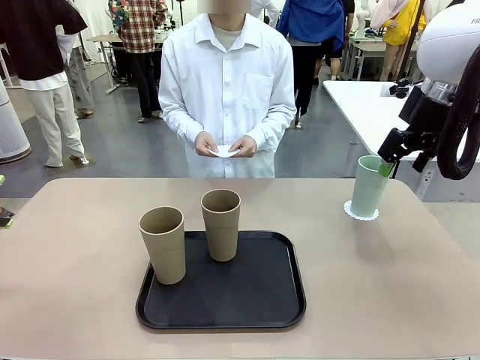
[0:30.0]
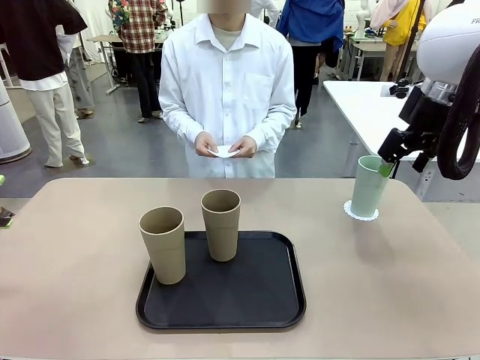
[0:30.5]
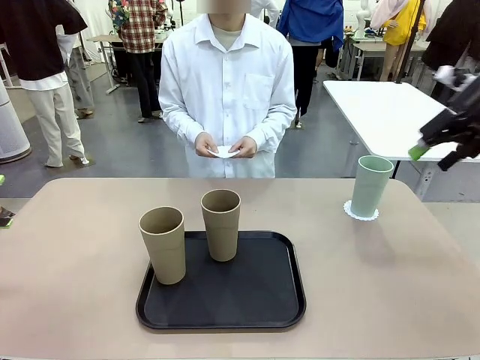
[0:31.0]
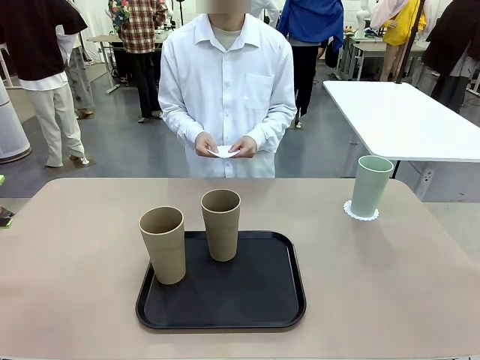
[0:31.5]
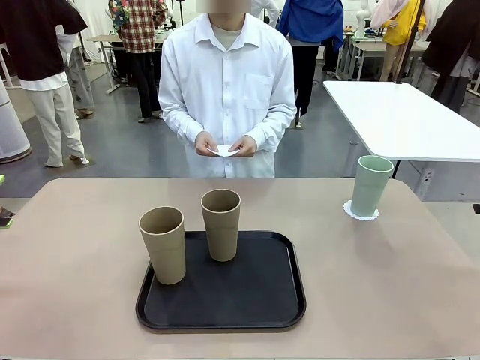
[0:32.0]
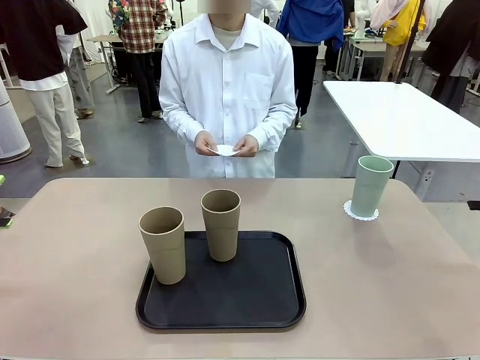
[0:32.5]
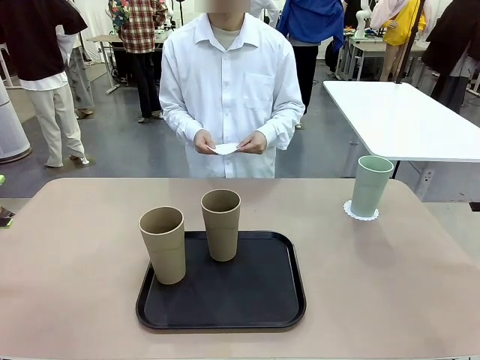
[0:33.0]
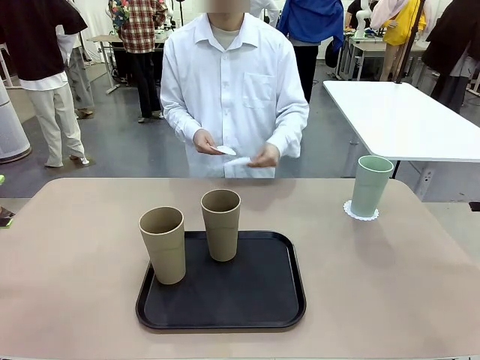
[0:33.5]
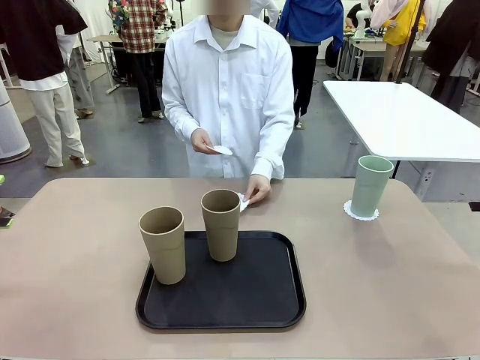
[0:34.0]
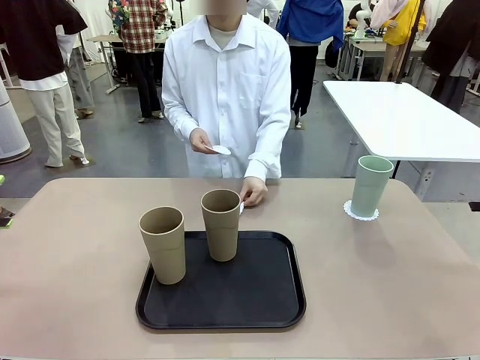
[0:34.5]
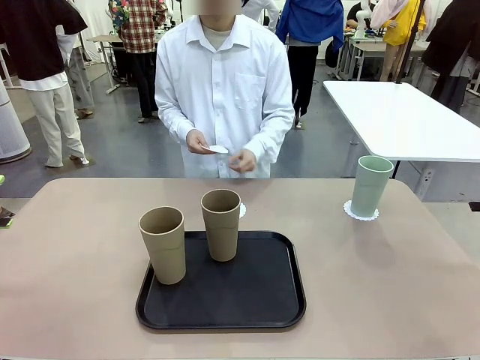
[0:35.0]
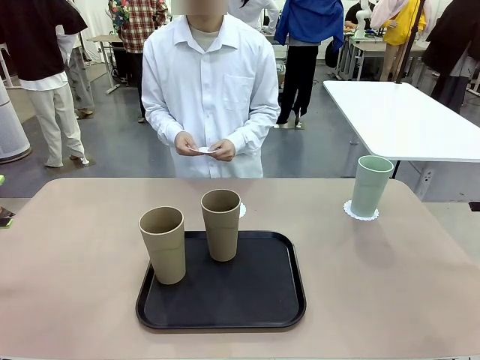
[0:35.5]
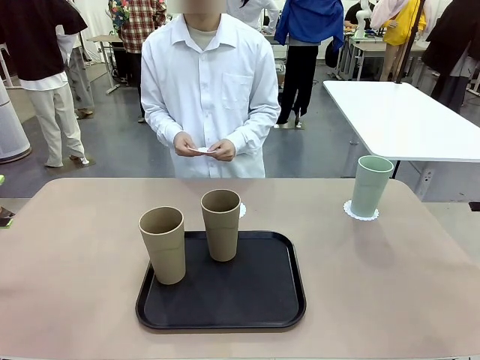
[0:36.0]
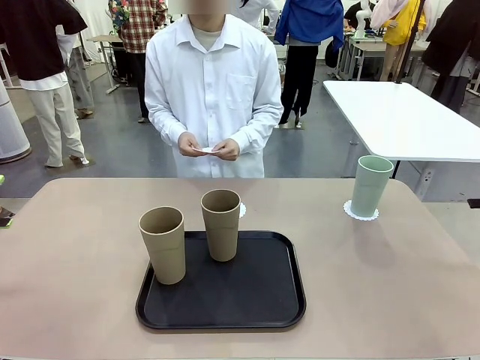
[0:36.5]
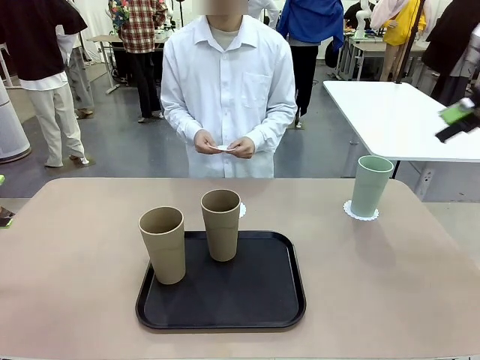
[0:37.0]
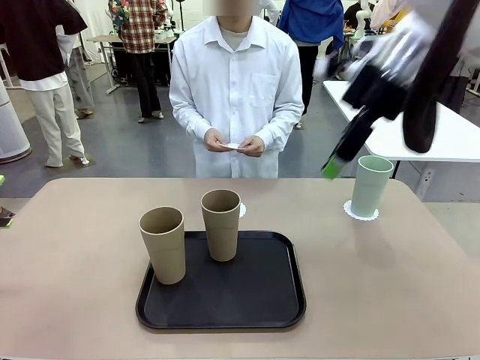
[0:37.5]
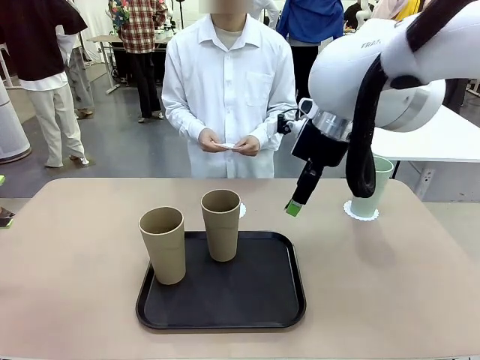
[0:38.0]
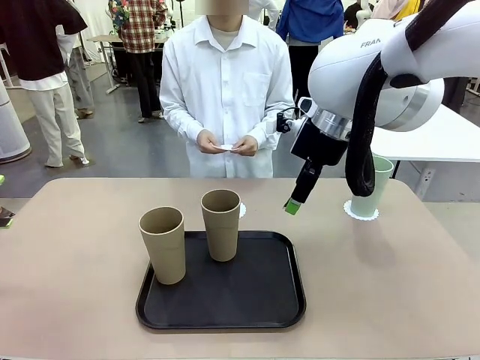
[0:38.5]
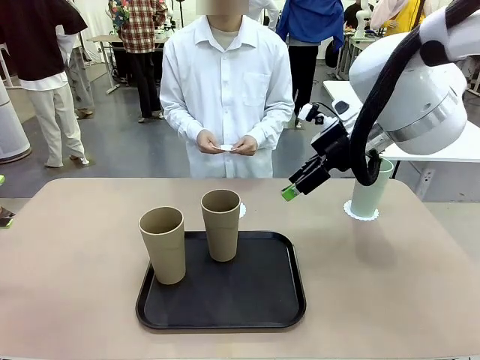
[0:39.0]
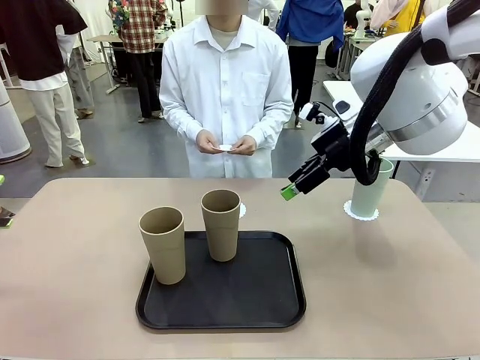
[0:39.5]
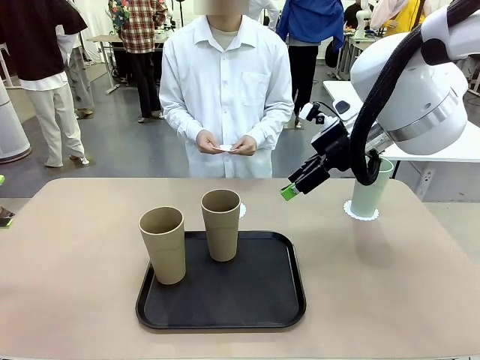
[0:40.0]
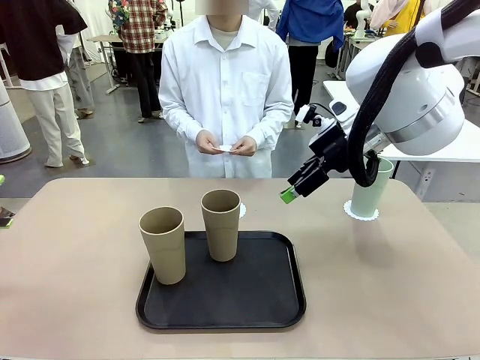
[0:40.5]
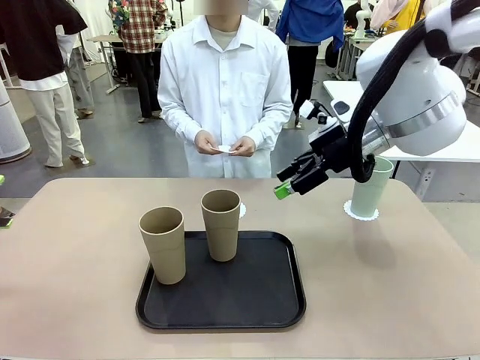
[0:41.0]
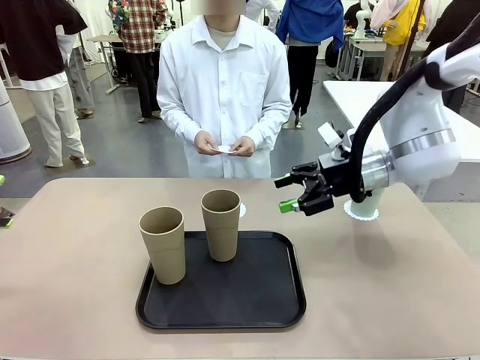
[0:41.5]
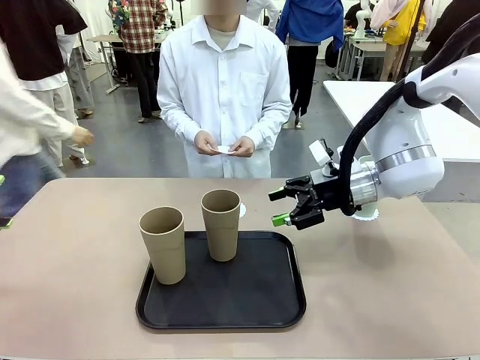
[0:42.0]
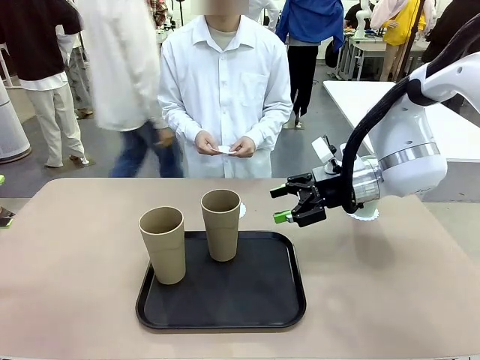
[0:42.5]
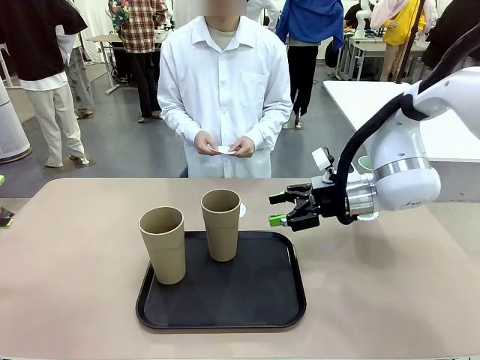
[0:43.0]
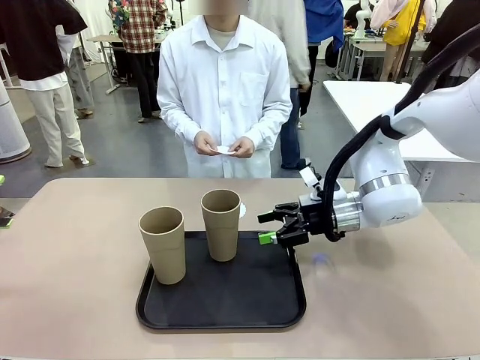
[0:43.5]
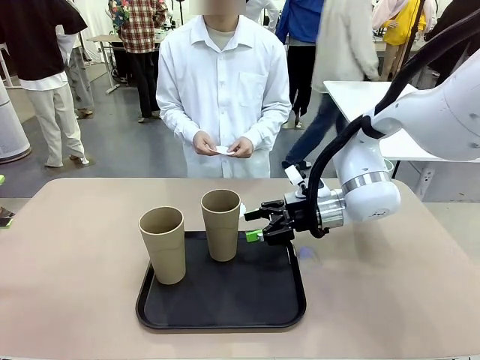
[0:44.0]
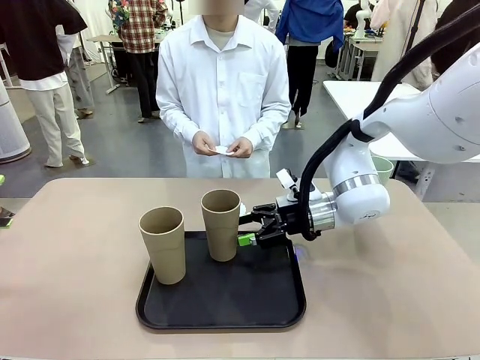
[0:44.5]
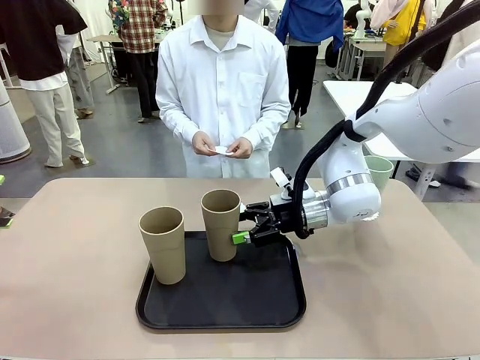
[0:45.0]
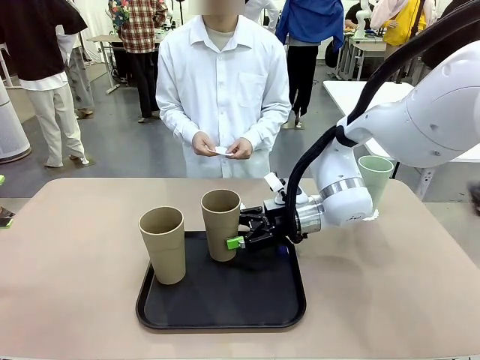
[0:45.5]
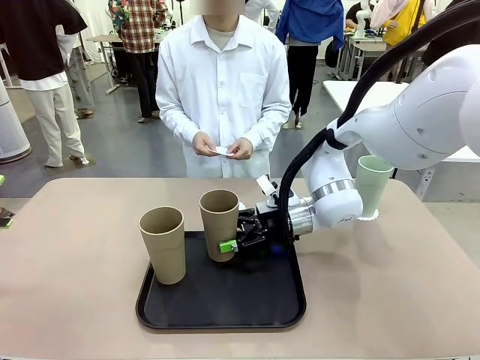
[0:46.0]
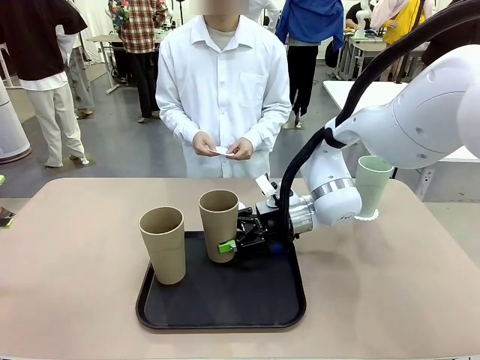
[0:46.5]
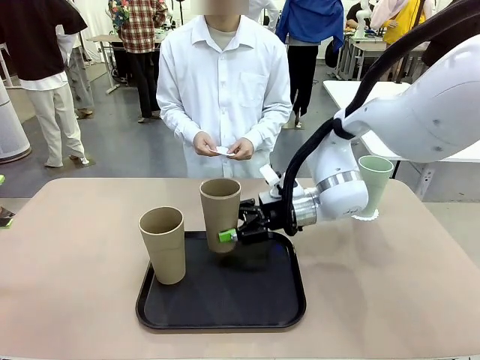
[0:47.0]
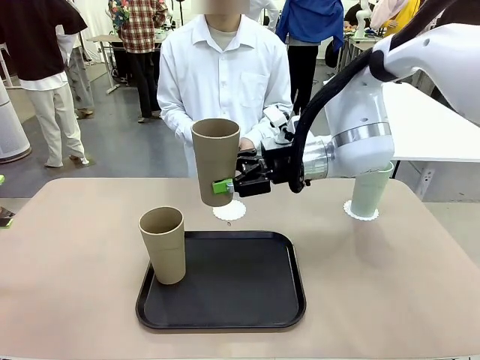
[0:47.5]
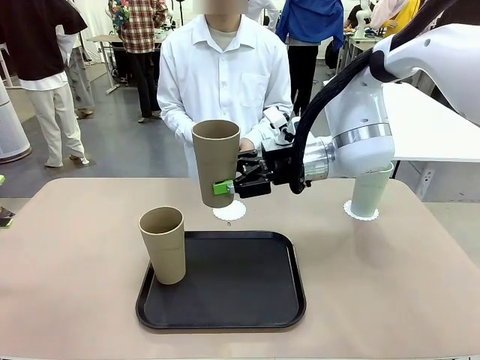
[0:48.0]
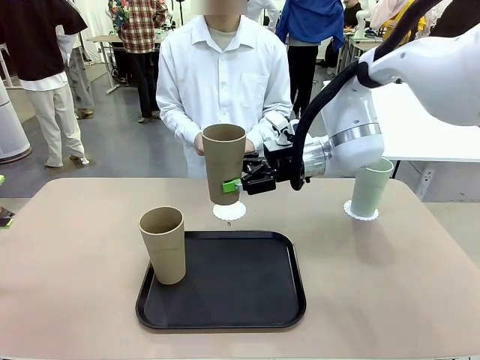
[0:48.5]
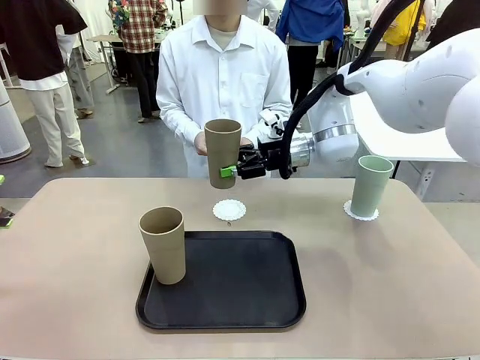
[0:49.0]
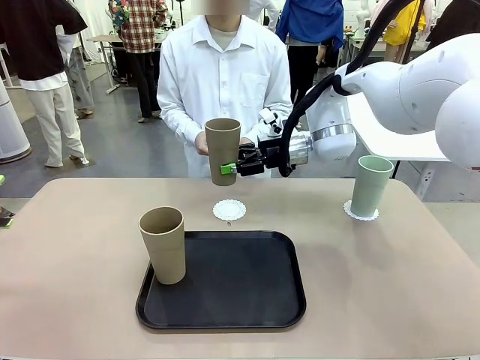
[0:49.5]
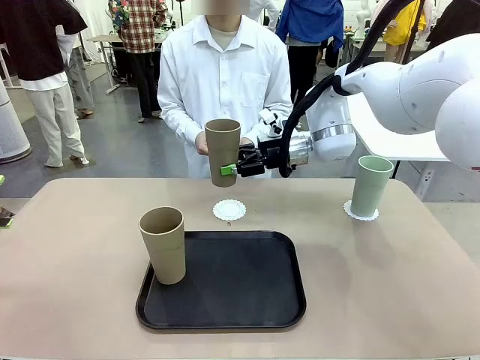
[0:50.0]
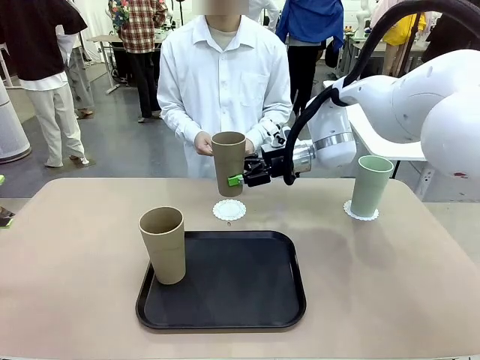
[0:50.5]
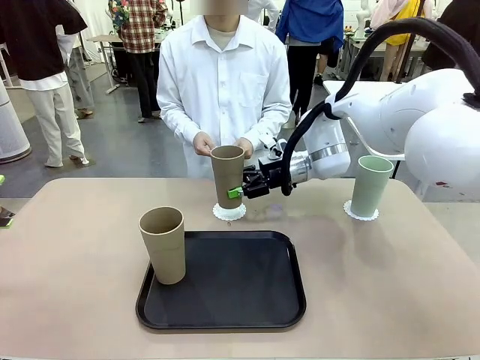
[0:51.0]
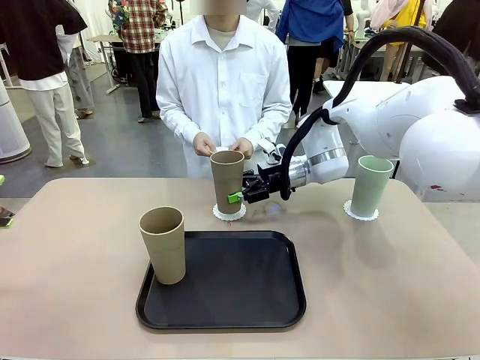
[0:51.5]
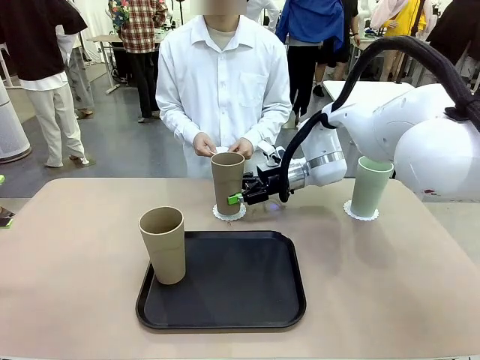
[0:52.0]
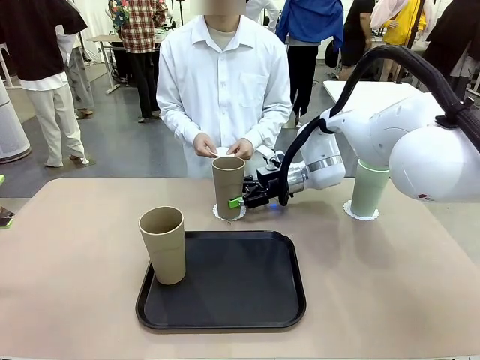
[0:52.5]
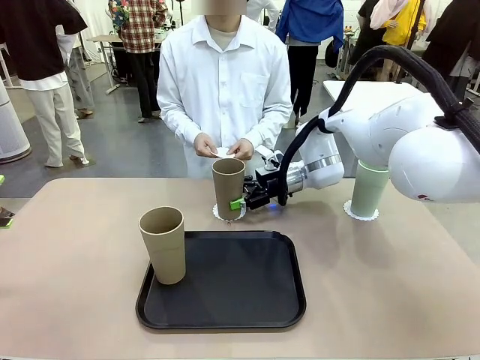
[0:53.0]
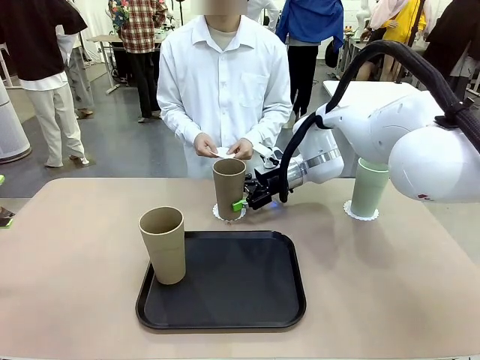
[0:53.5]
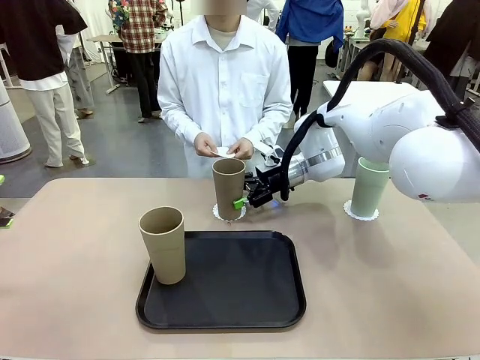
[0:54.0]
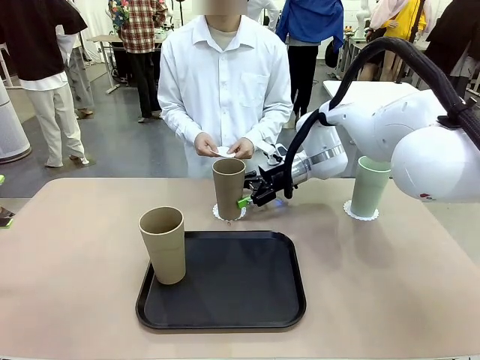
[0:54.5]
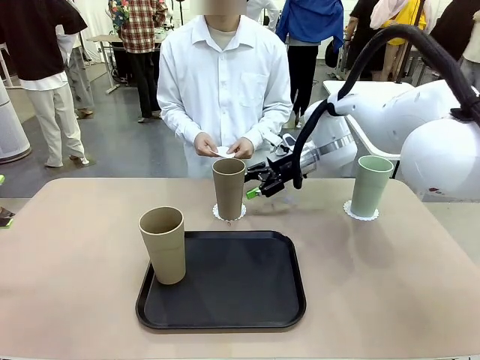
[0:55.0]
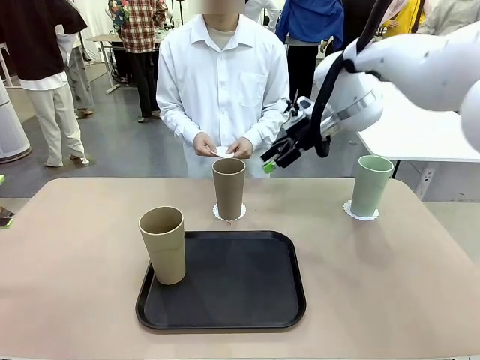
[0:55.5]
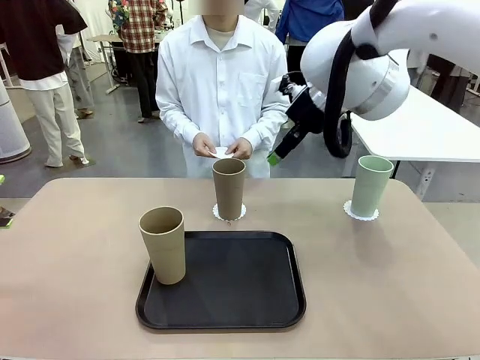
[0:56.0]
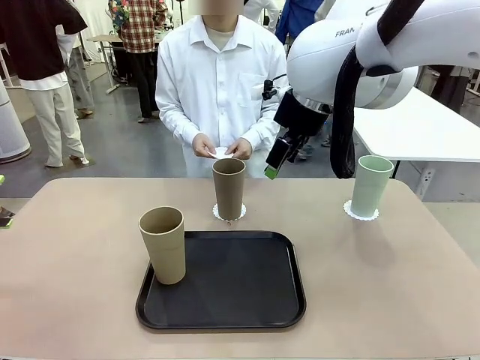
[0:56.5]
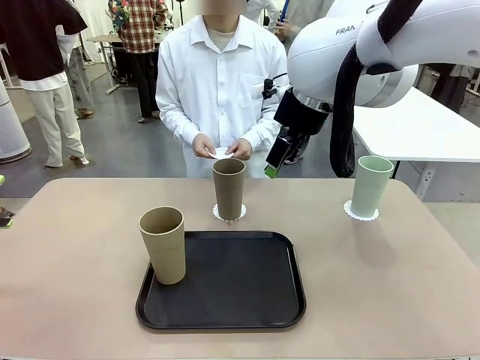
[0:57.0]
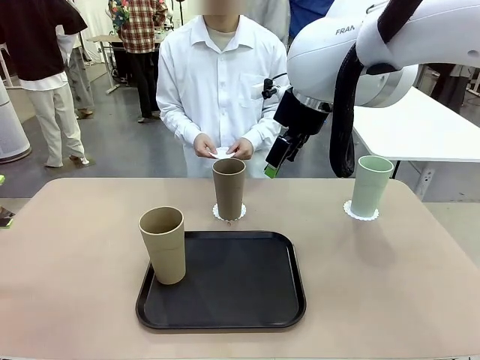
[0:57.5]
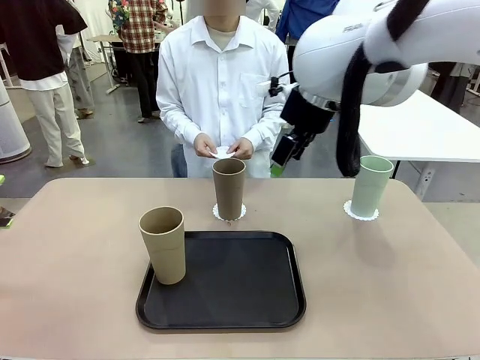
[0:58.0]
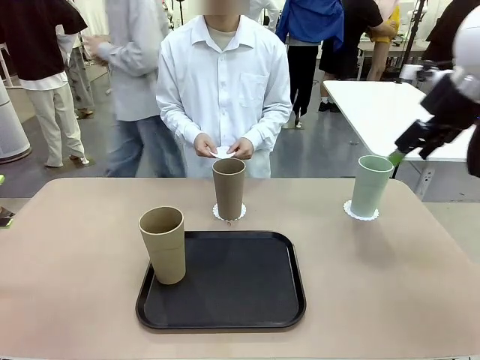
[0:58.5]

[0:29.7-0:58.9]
Task: Place coasters on the table and set cups on them.
Robot: Take one Reusable plastic cup from the Flat Tray and place it on a coaster set by the human.
